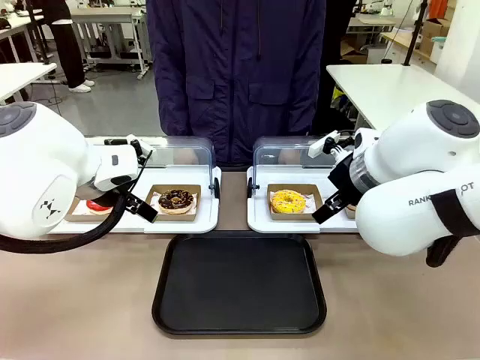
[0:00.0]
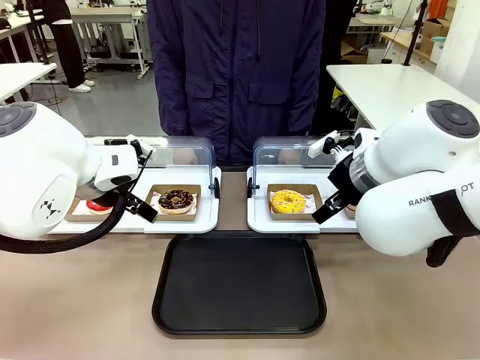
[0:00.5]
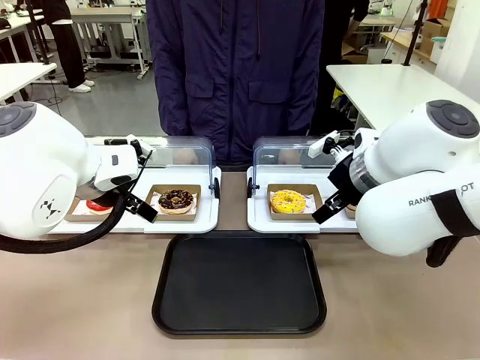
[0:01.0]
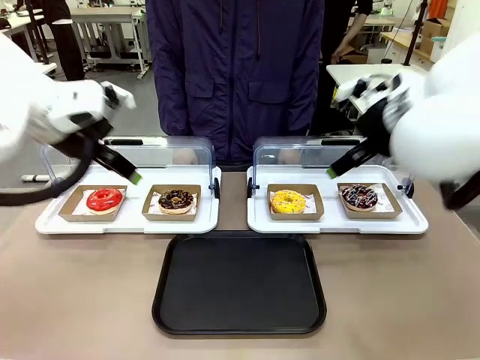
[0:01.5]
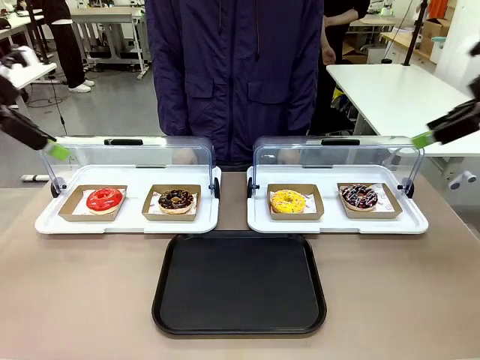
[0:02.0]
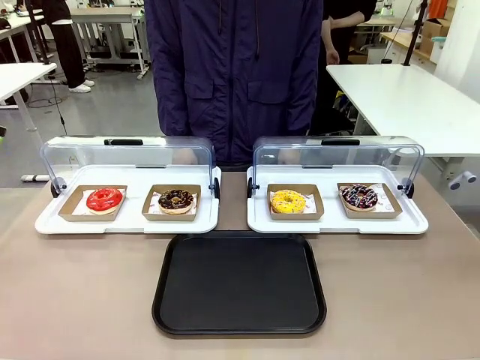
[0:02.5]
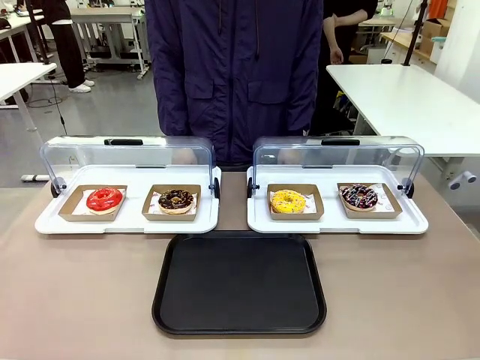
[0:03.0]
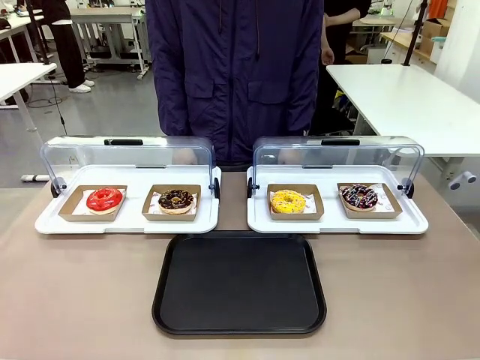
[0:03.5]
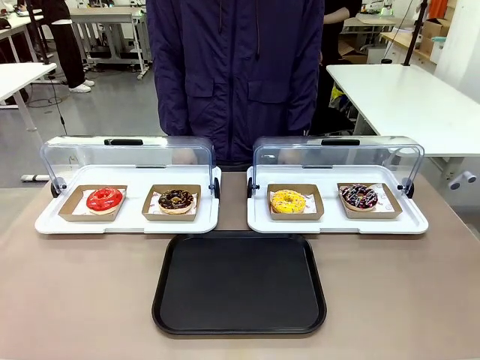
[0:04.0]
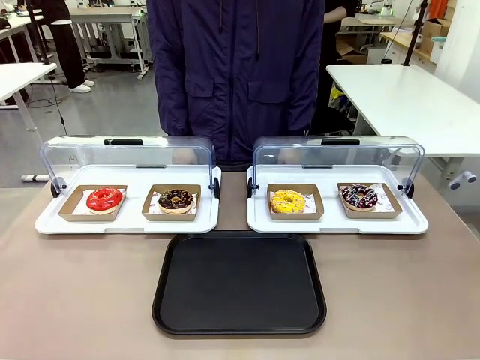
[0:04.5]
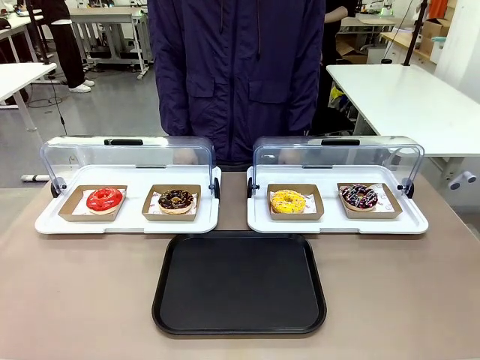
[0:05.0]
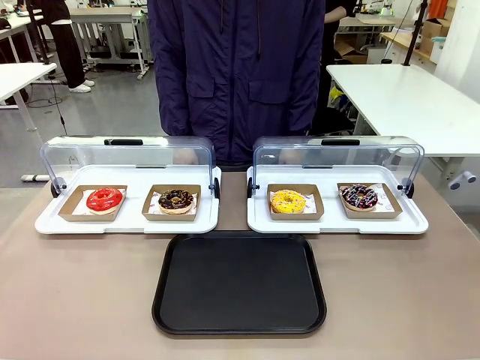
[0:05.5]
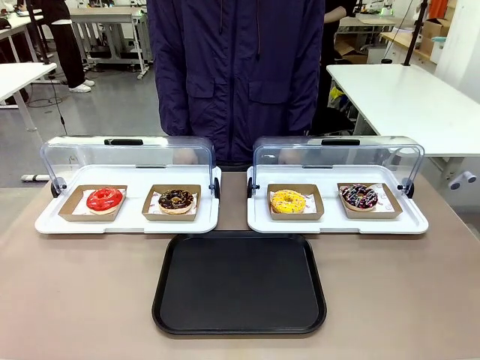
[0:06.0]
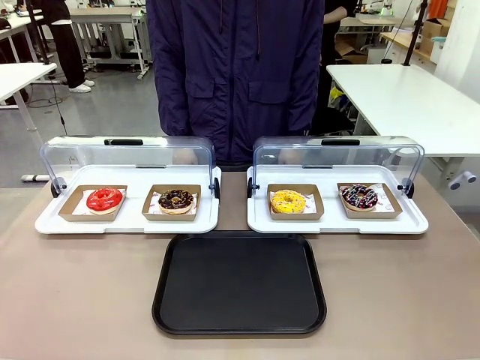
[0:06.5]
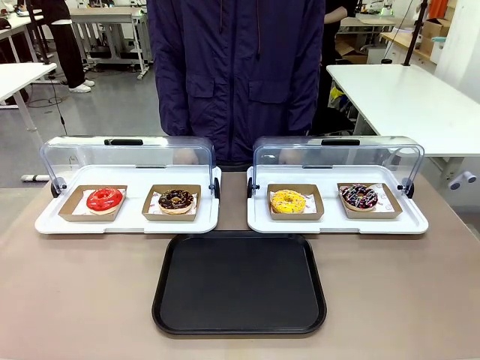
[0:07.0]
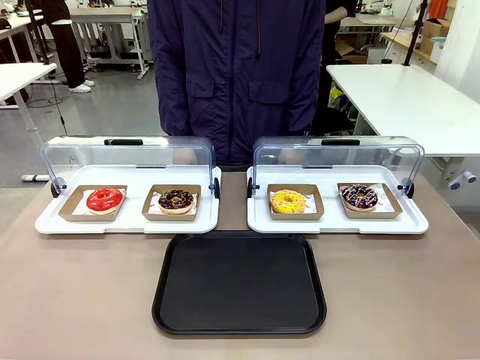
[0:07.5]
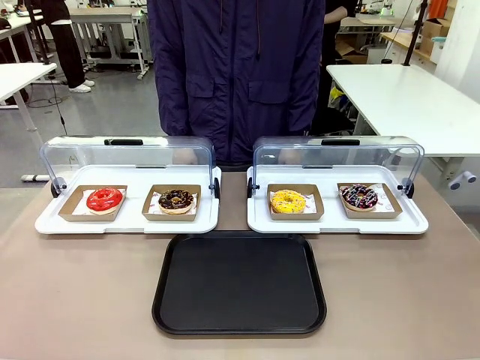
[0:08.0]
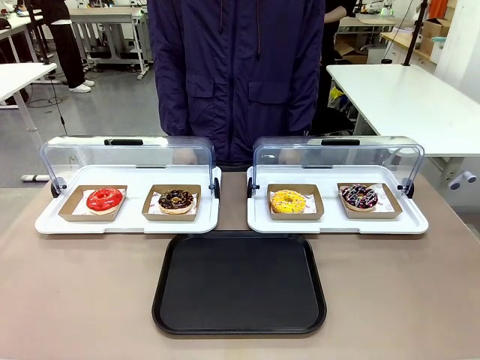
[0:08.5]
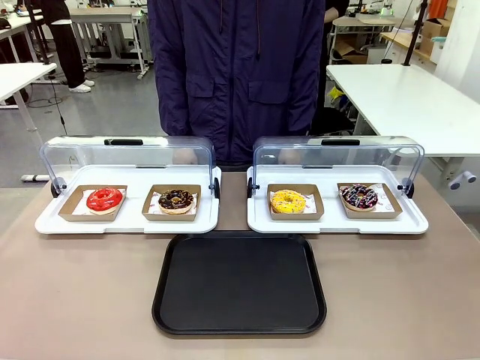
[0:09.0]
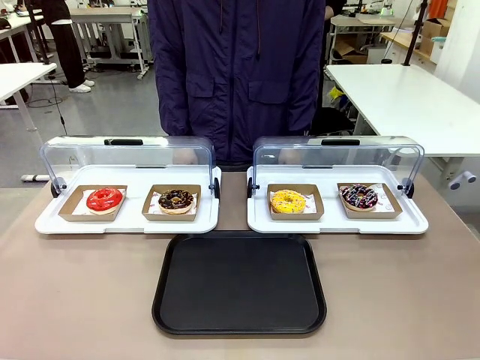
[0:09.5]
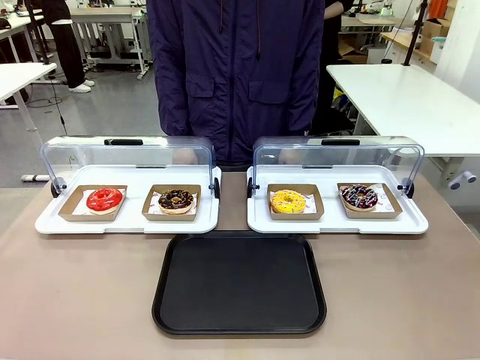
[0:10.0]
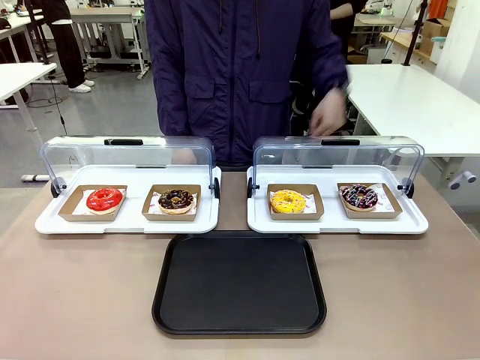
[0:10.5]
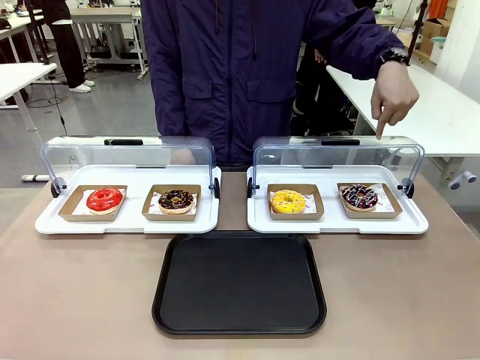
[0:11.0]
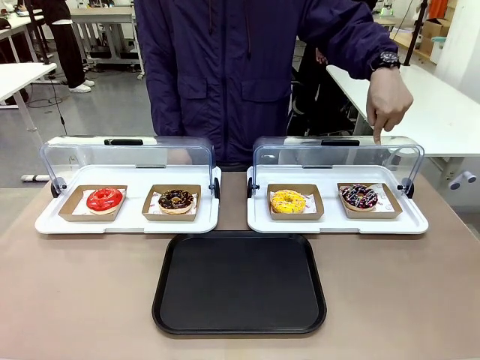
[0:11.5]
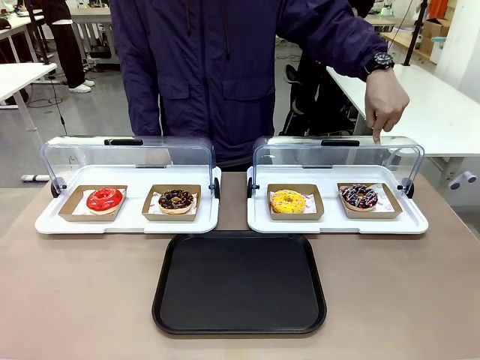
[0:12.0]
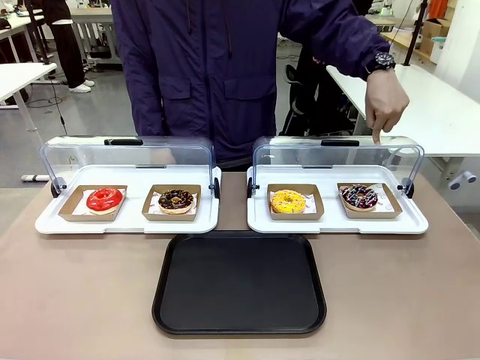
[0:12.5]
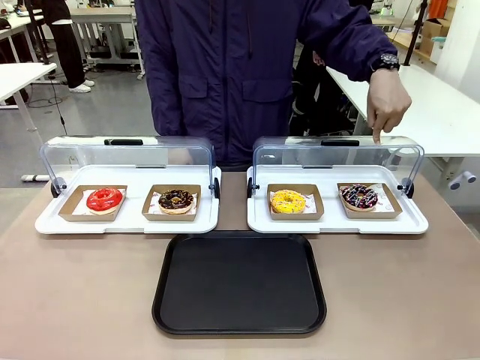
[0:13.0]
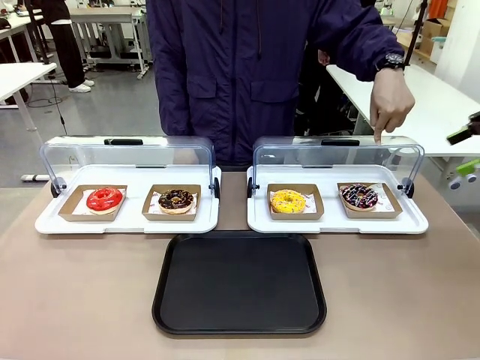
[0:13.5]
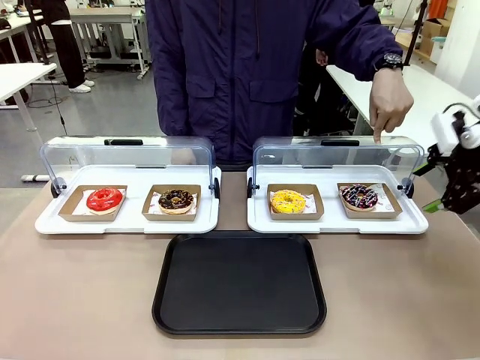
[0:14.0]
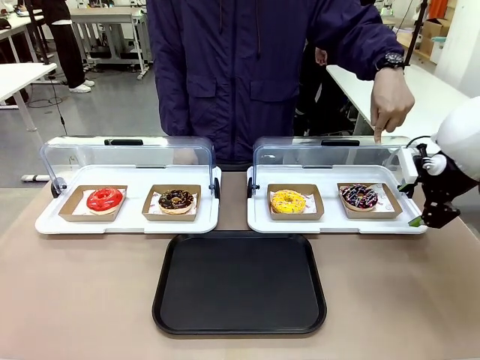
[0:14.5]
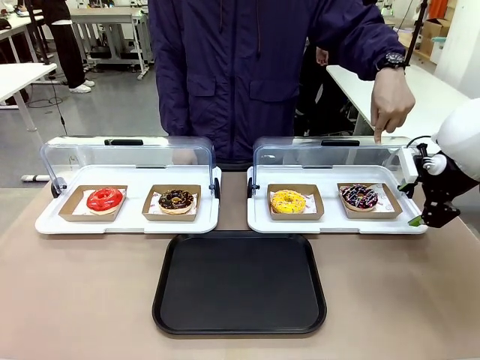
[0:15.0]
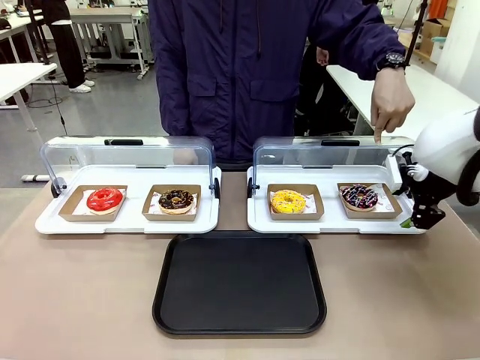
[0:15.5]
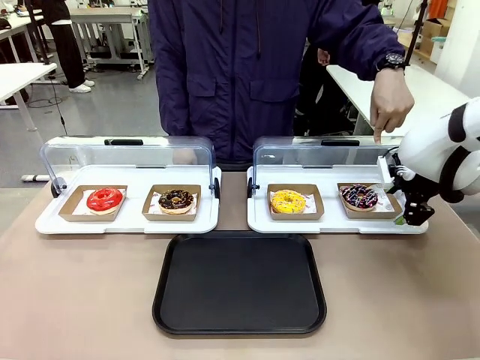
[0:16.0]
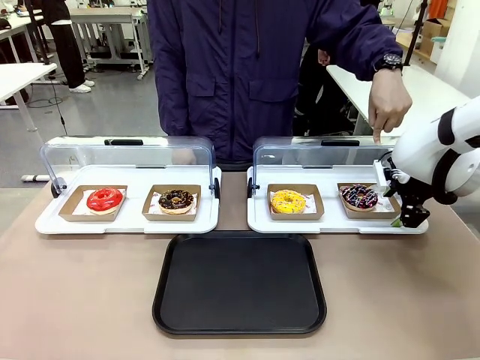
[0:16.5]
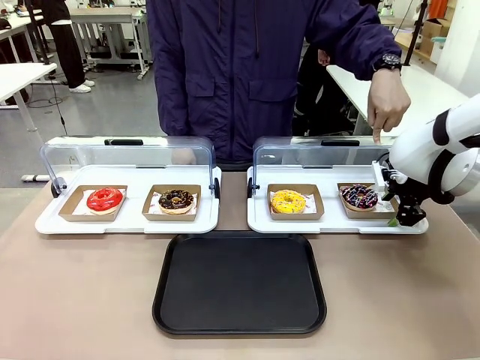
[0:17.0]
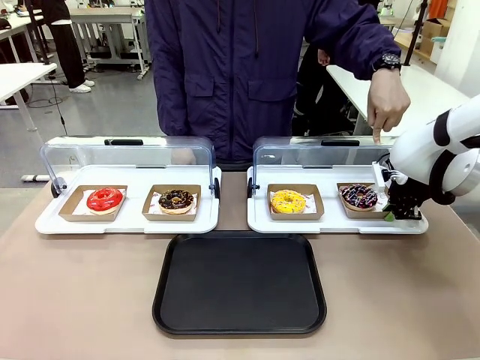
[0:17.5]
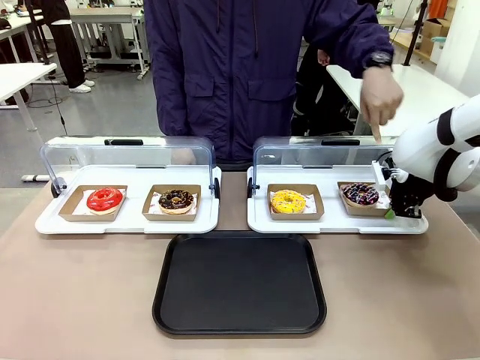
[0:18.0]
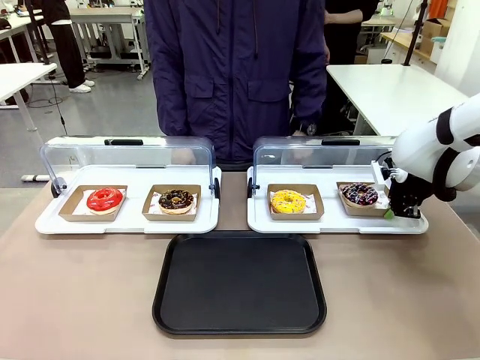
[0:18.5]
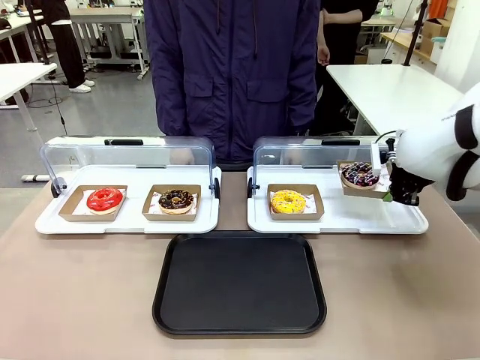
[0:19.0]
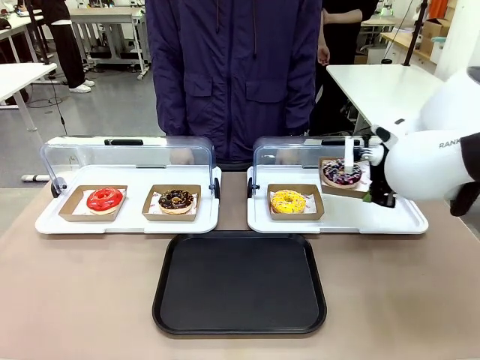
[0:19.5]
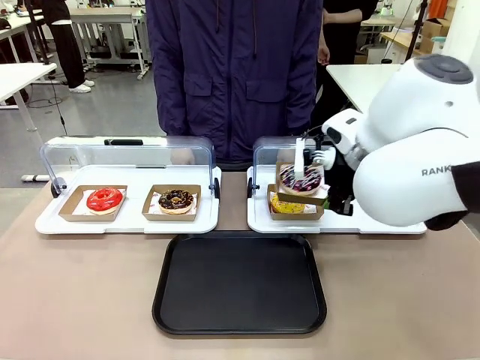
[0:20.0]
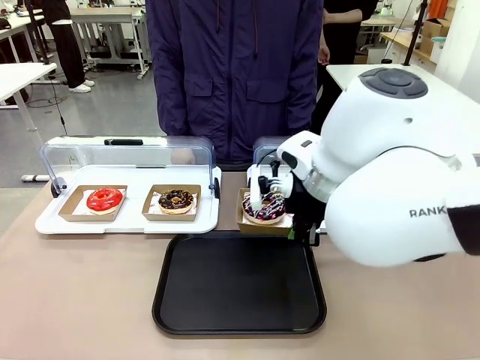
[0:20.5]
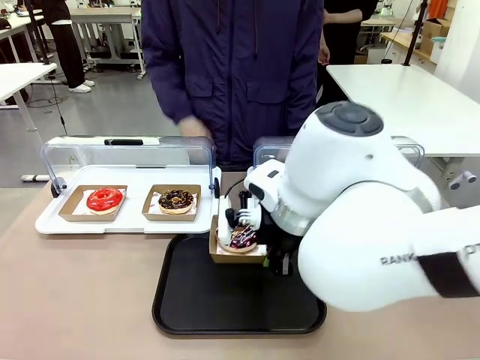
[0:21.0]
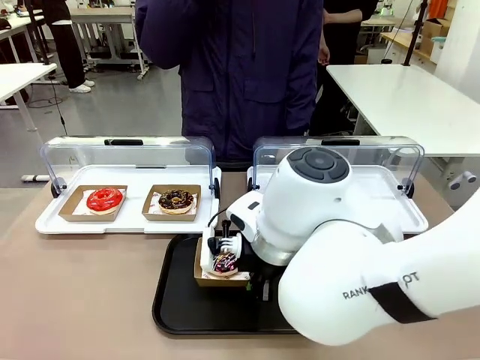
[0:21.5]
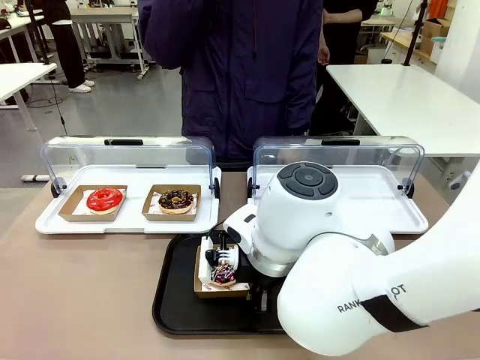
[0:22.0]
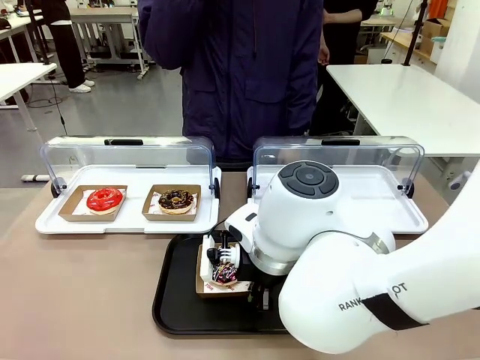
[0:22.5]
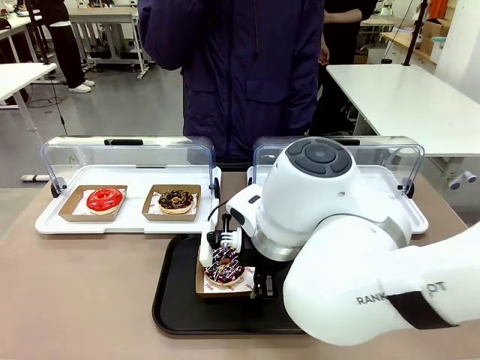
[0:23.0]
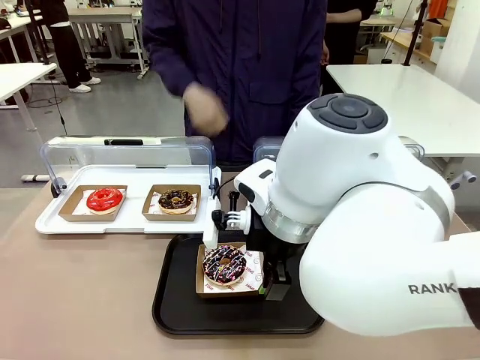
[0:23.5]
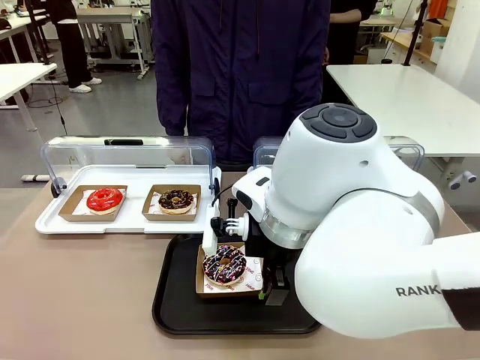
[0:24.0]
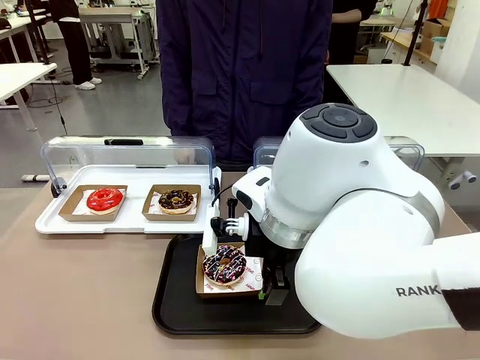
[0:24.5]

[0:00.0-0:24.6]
Task: Move the fourth donut from the left to the tray.
Robot: Pick up the Paper togo box containing the Donut indicated by the person and place it on the Handle tray.
Person: Points to the fourth donut from the left from the robot’s perspective.
